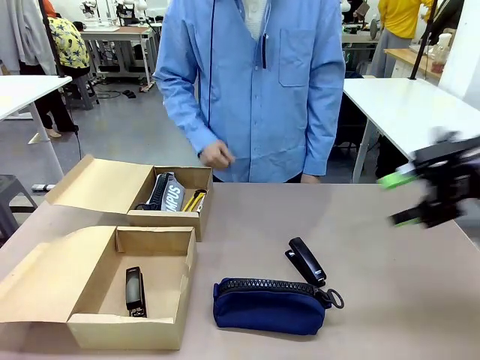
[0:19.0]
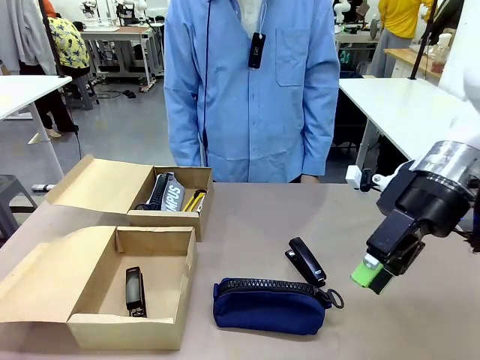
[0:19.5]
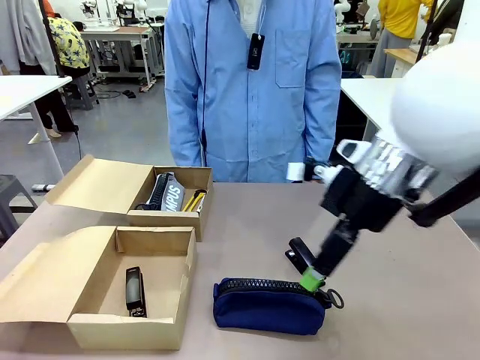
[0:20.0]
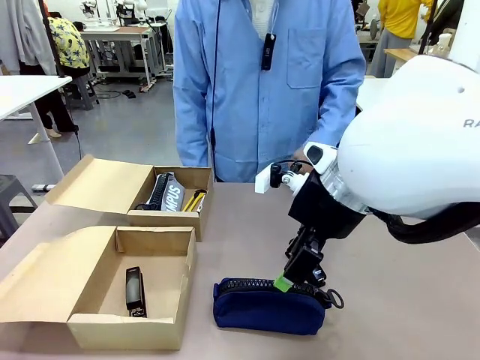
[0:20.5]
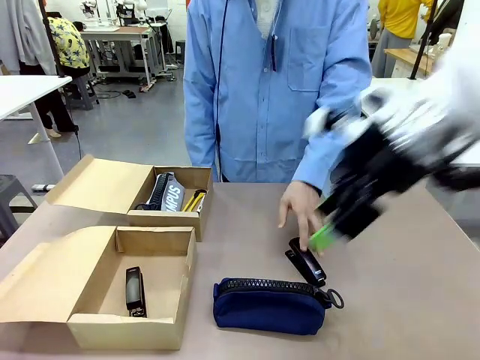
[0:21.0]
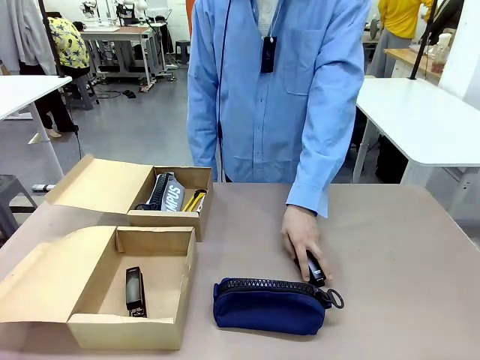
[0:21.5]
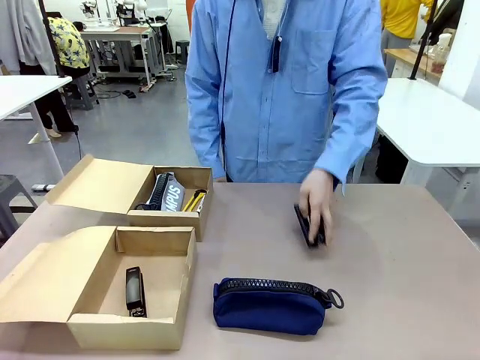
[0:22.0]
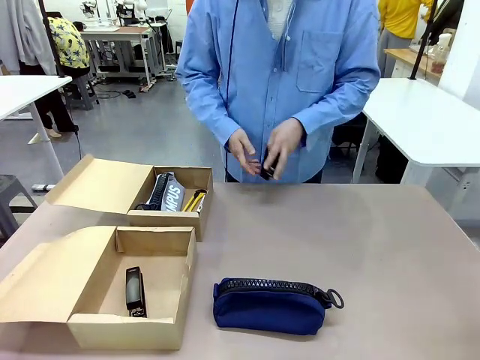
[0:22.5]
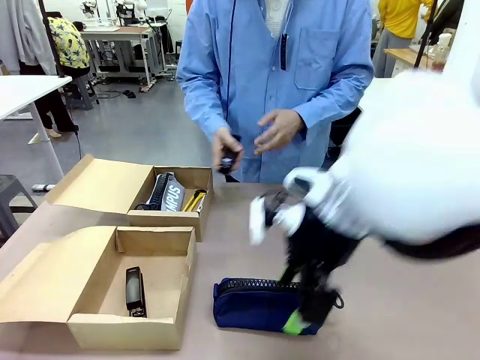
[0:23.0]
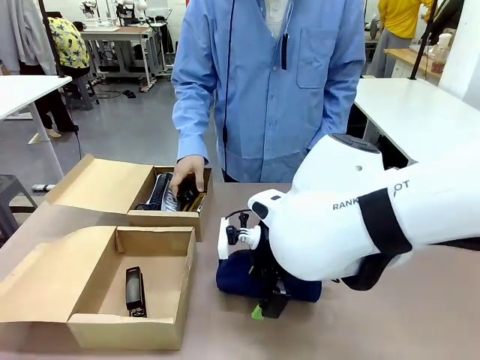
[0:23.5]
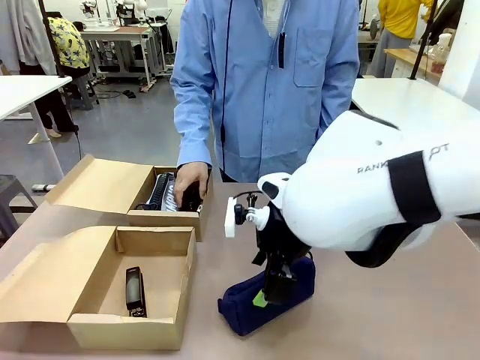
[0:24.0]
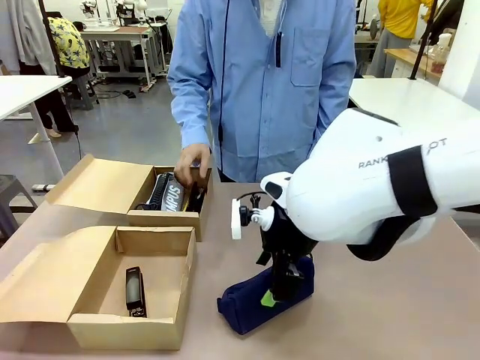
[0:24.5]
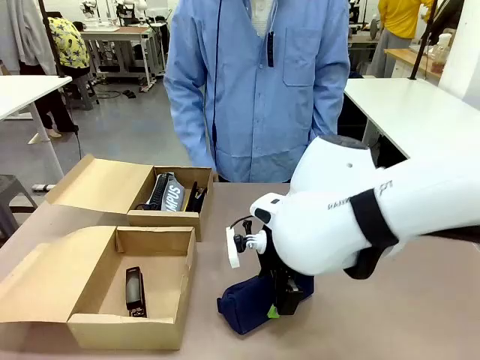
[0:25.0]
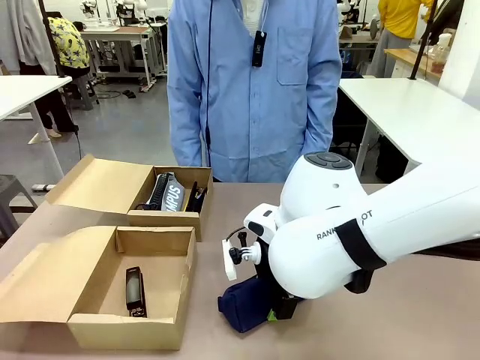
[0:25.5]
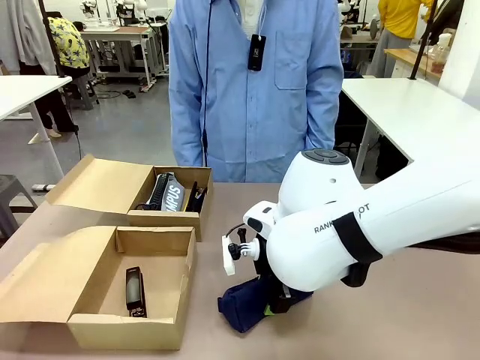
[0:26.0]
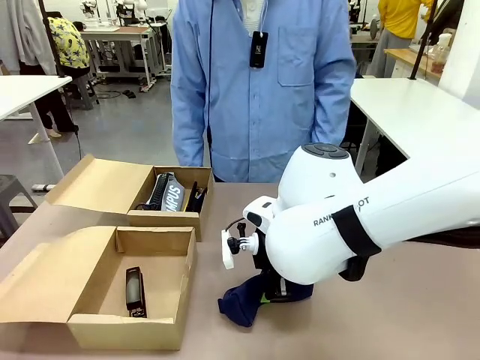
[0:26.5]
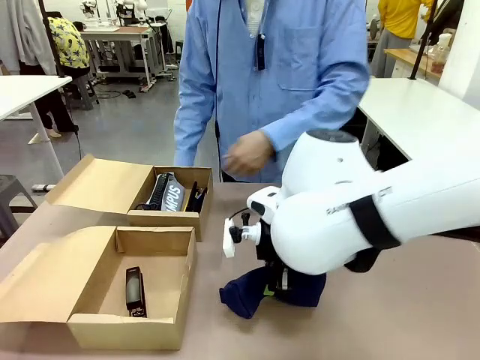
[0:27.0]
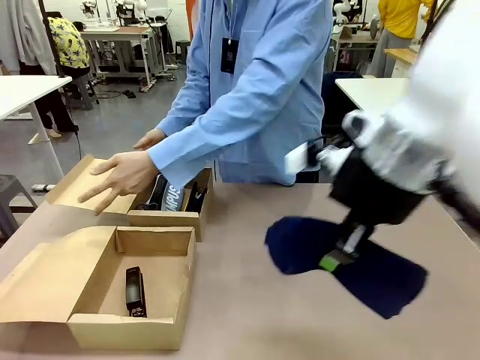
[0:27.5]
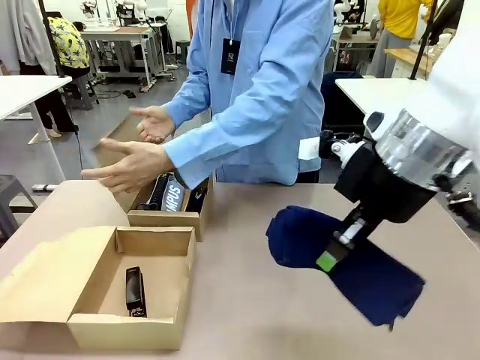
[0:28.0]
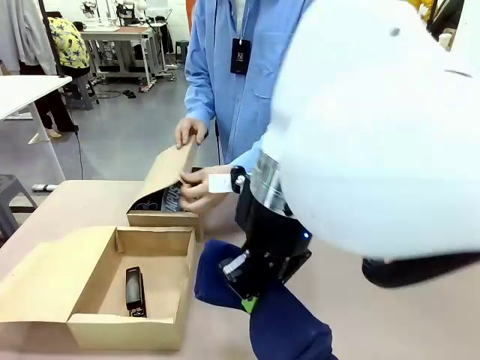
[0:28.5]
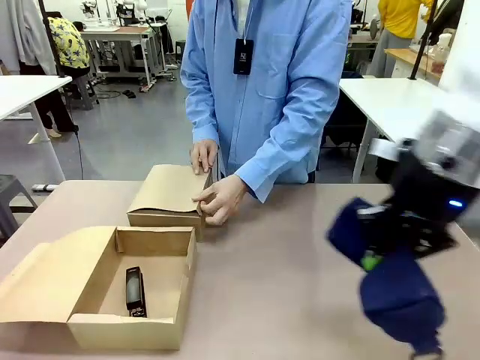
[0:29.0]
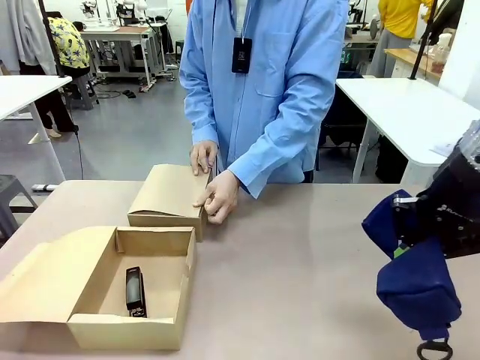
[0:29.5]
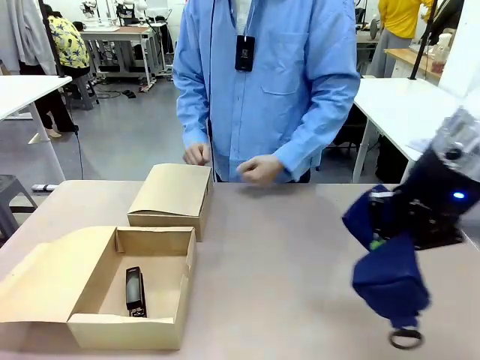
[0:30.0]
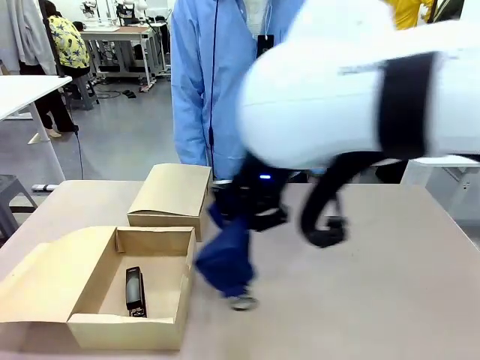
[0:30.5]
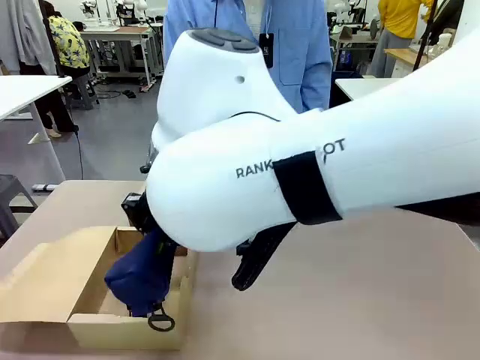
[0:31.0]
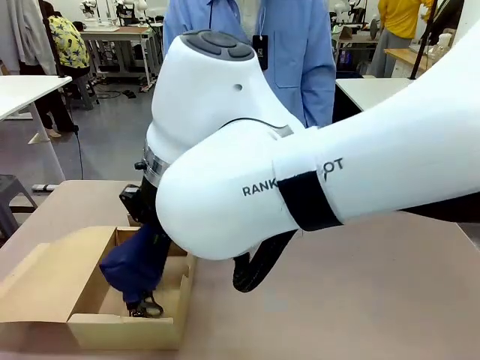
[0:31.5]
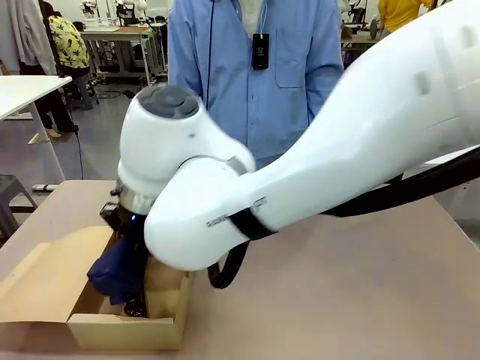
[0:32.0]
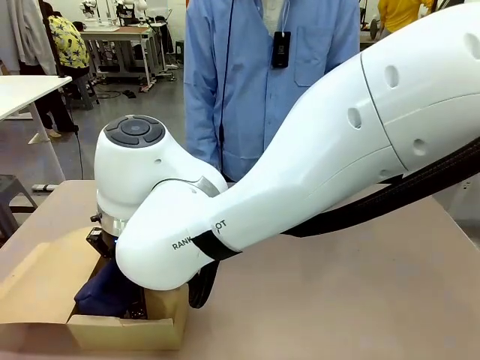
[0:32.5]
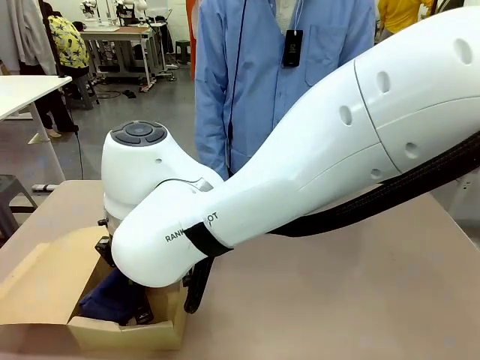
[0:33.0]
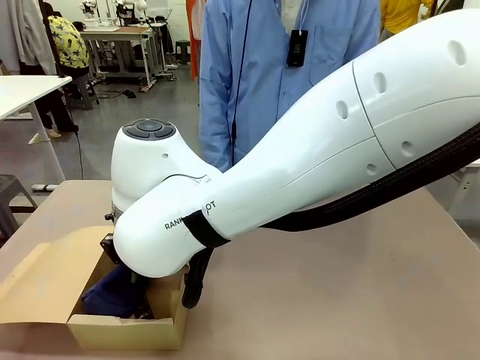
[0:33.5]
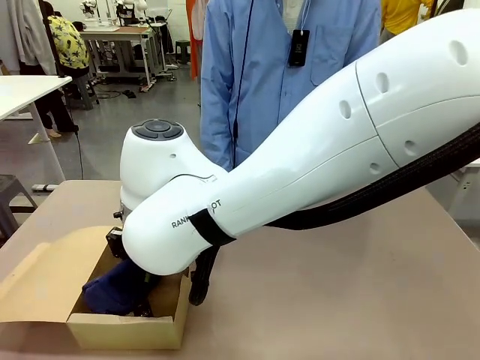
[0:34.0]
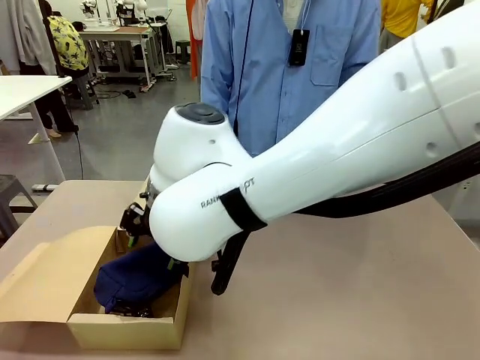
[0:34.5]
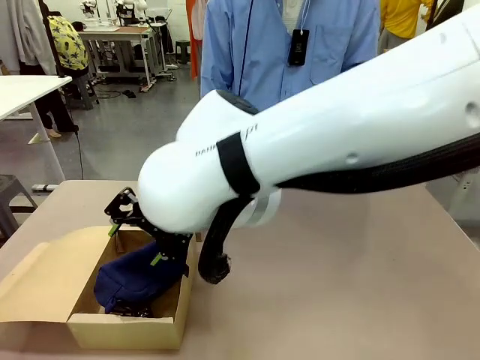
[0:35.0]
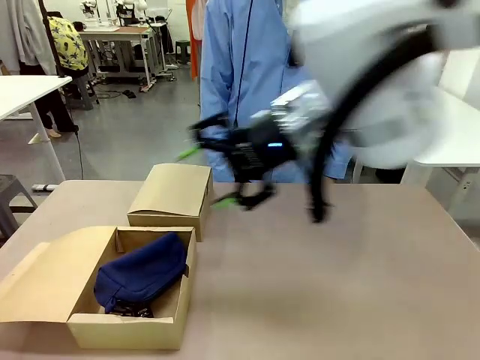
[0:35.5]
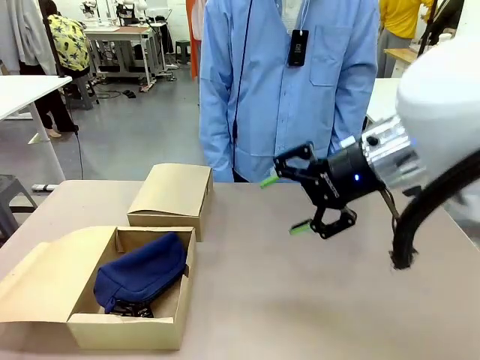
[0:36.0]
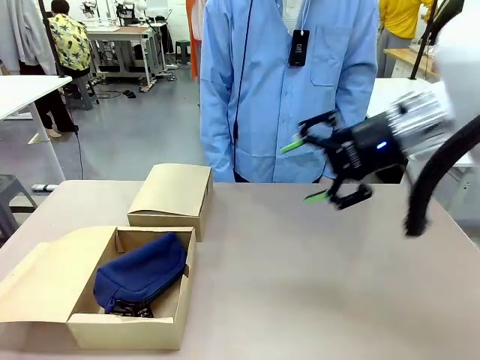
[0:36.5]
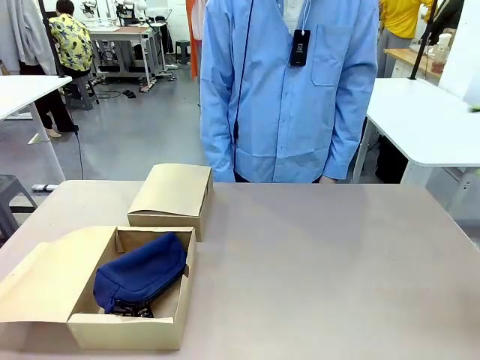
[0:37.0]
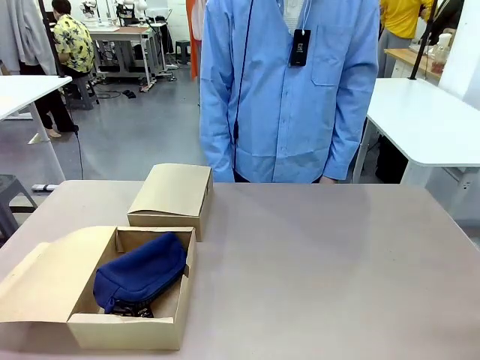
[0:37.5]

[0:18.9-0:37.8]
Task: Place items inside the box.
Robot: Pick up a Pencil pouch or Stapler and place it inside the Mailer Box closest to the robot.
Person: Close the lid of the box facing the person.

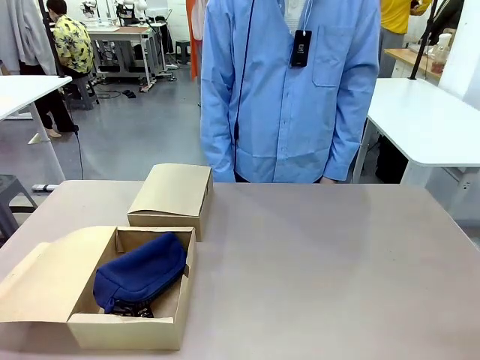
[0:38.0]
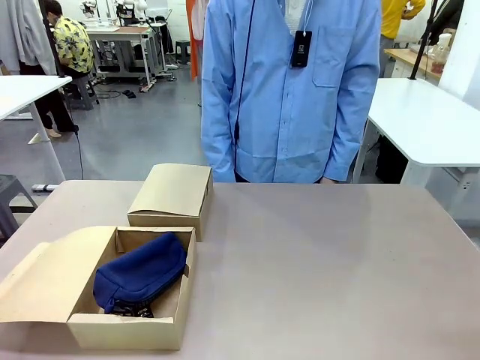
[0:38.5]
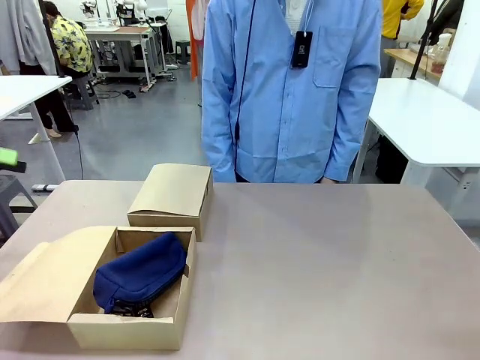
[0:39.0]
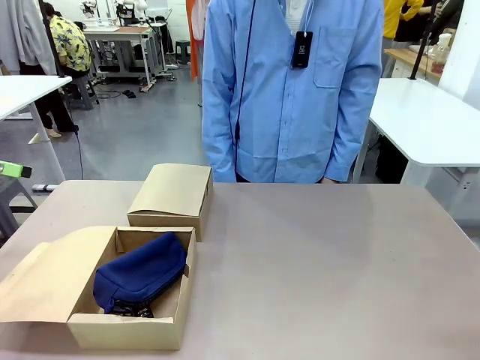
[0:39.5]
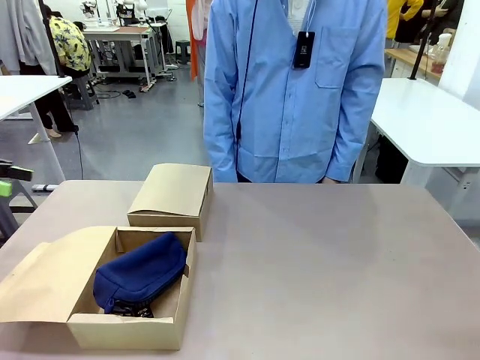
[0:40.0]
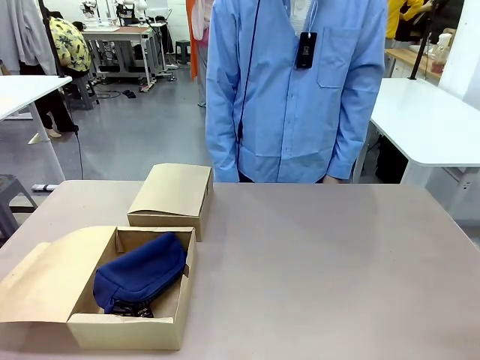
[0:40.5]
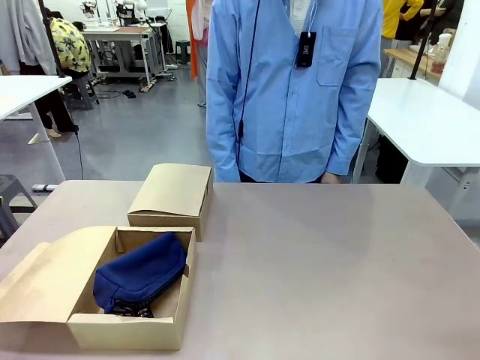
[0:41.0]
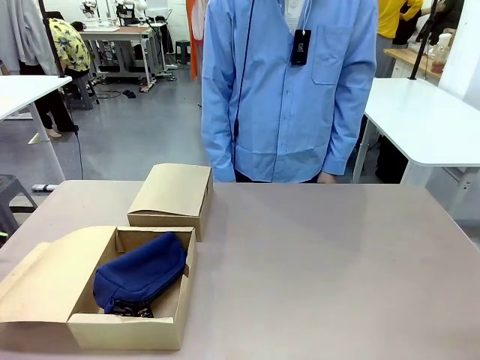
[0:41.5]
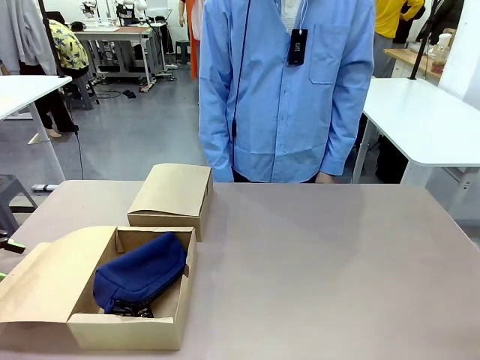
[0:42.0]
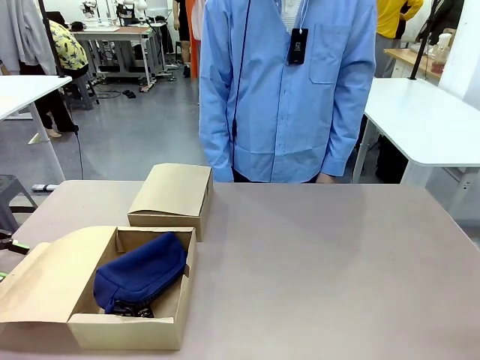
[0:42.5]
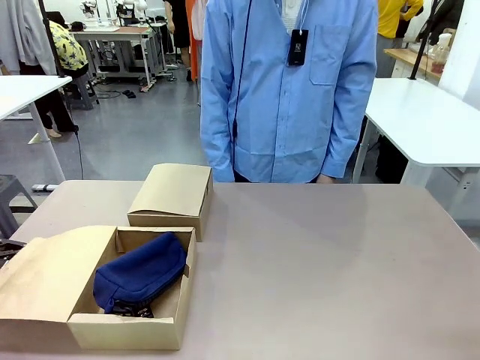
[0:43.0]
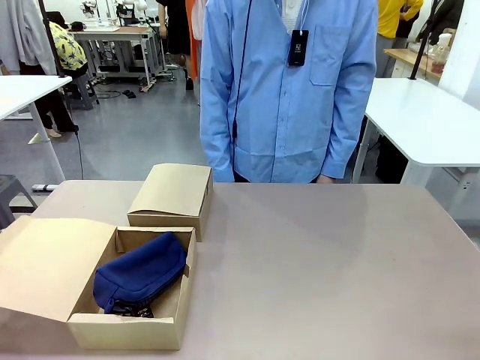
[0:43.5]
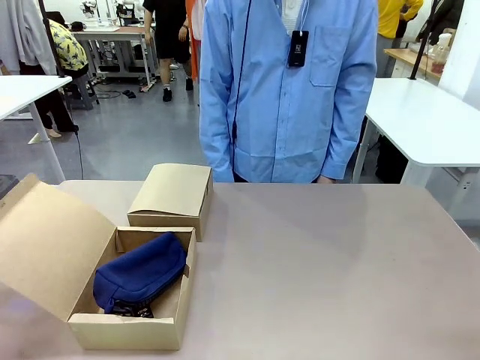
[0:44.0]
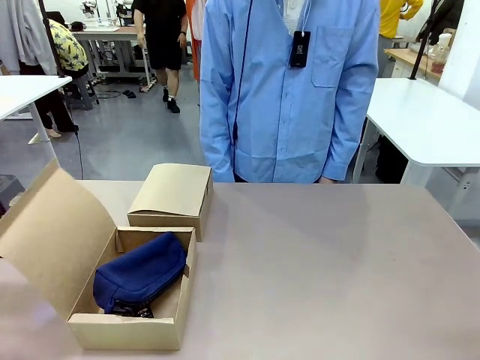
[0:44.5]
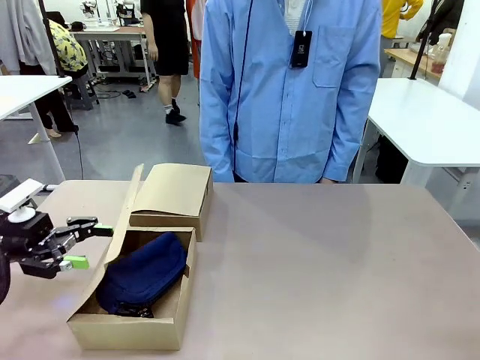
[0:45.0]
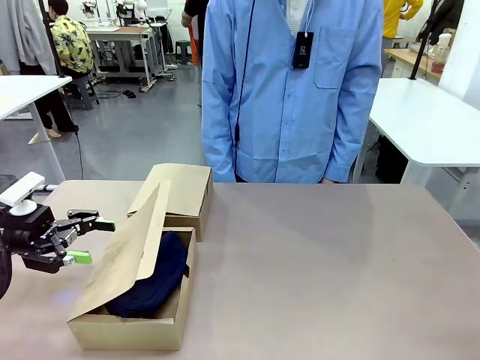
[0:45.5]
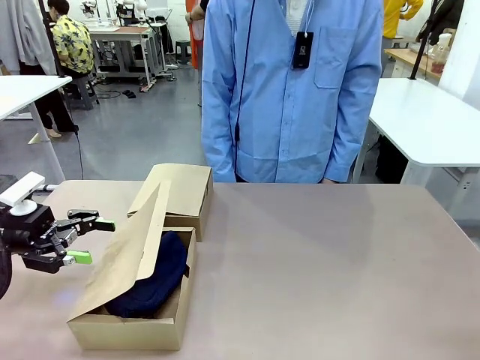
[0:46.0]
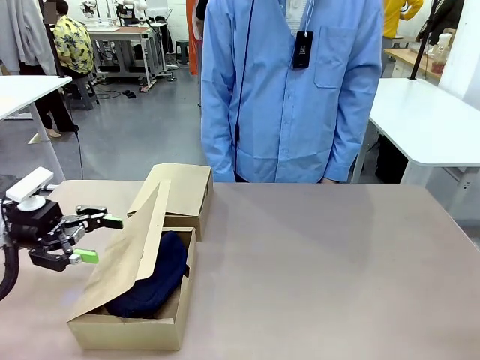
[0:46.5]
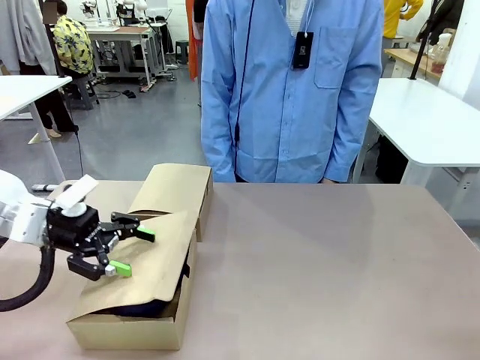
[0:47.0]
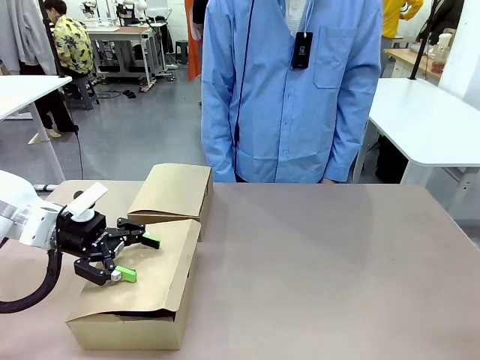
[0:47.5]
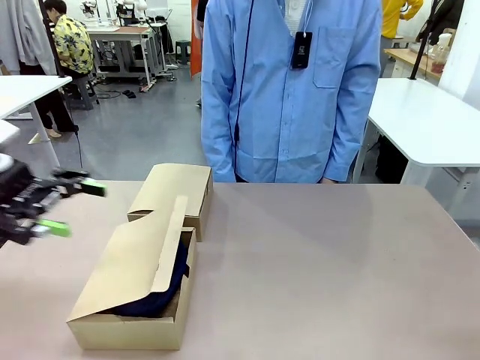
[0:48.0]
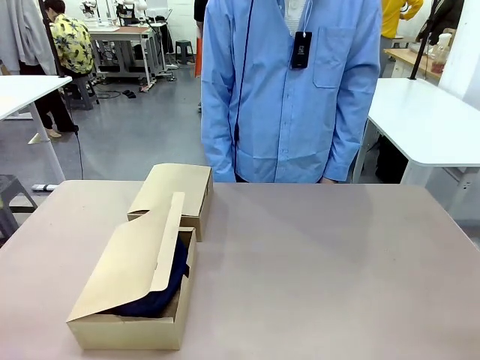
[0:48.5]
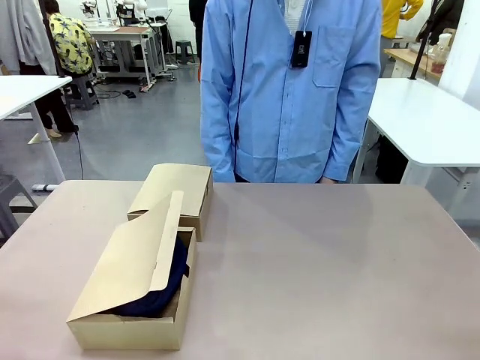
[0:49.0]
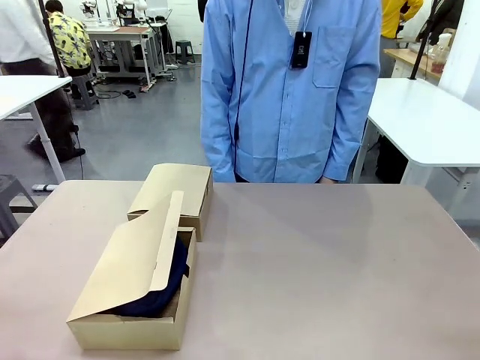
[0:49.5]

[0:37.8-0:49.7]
Robot: Close the lid of the Mailer Box closest to the robot.
